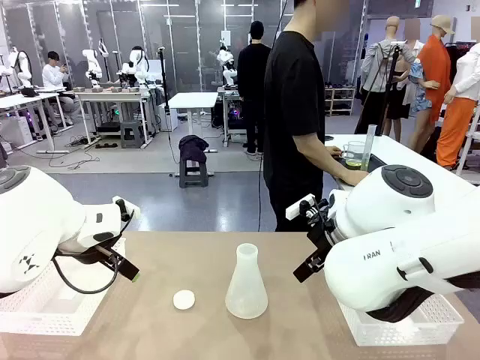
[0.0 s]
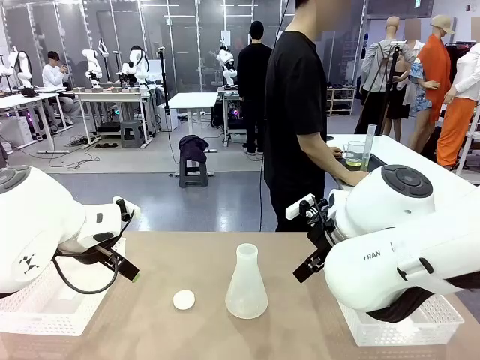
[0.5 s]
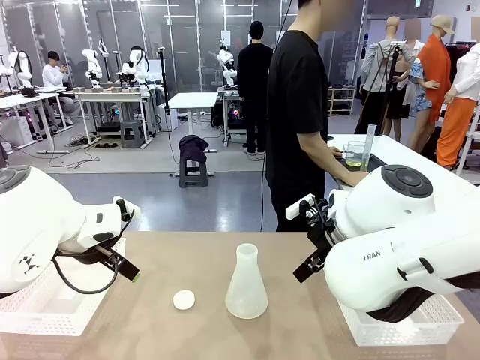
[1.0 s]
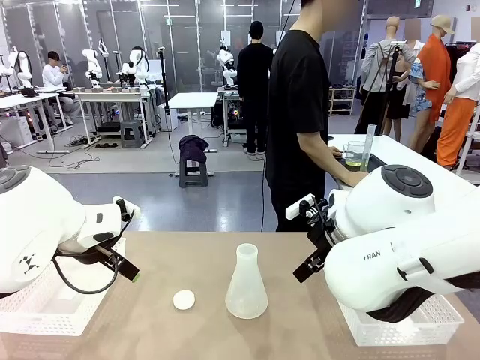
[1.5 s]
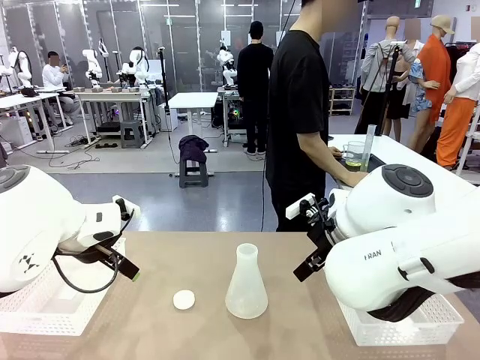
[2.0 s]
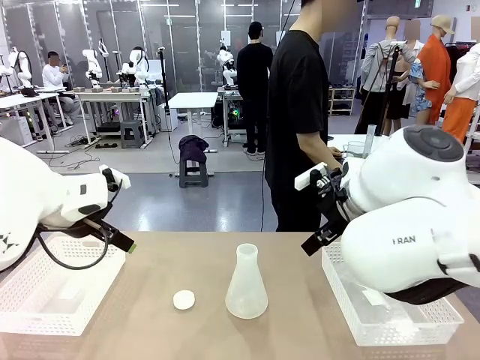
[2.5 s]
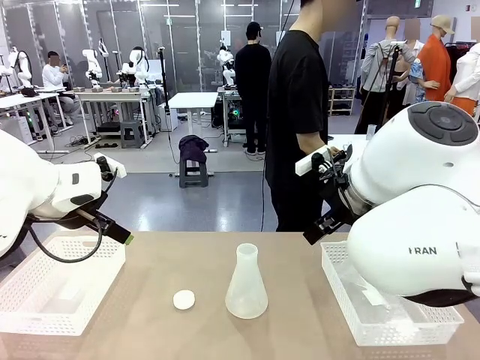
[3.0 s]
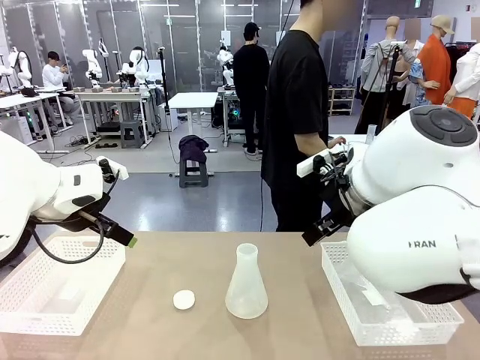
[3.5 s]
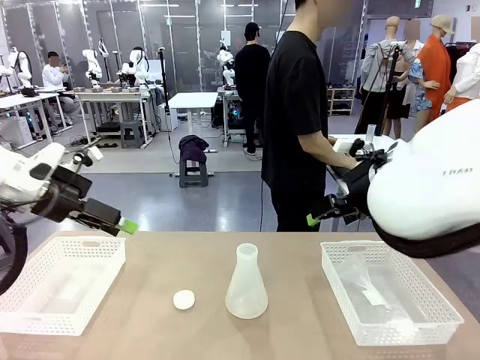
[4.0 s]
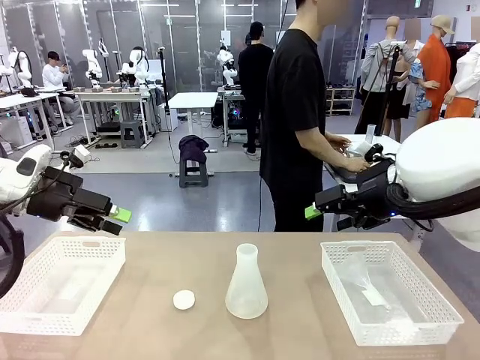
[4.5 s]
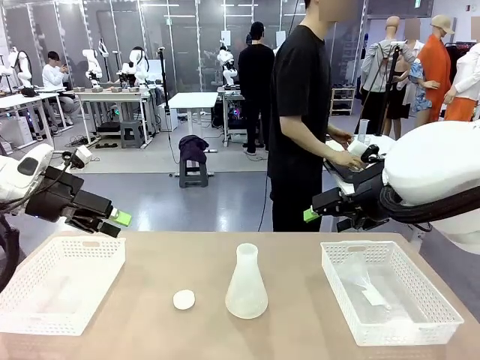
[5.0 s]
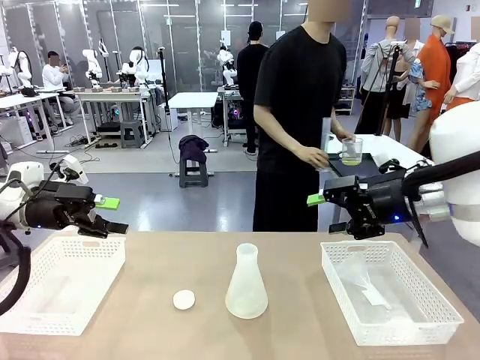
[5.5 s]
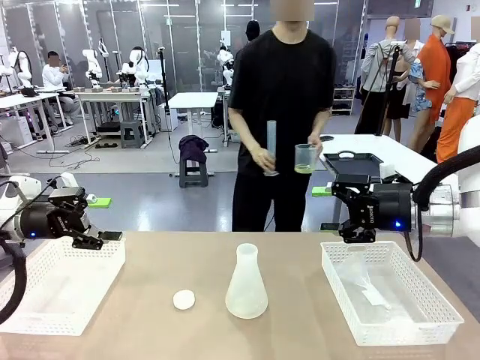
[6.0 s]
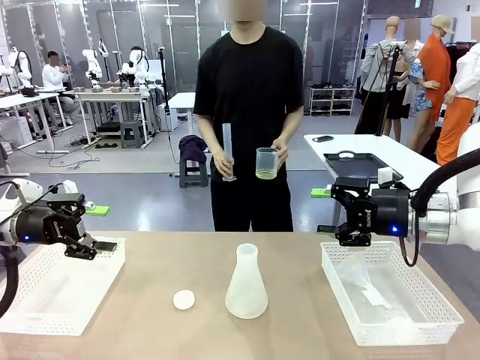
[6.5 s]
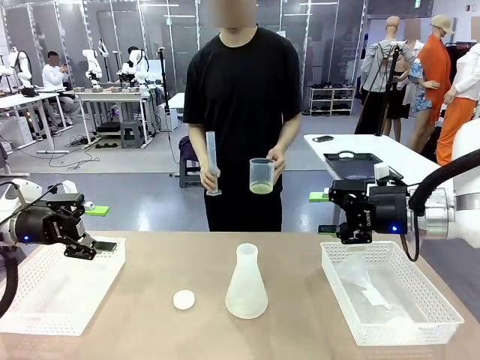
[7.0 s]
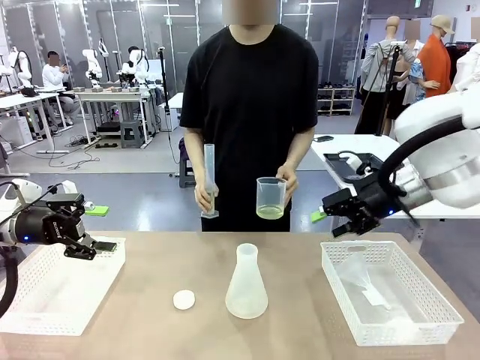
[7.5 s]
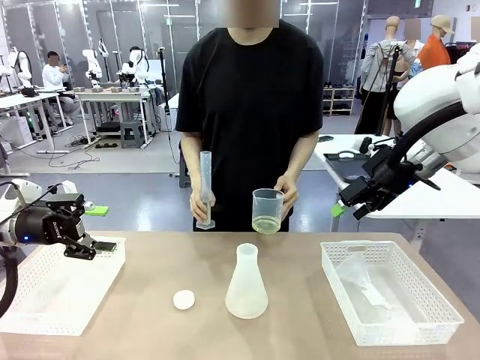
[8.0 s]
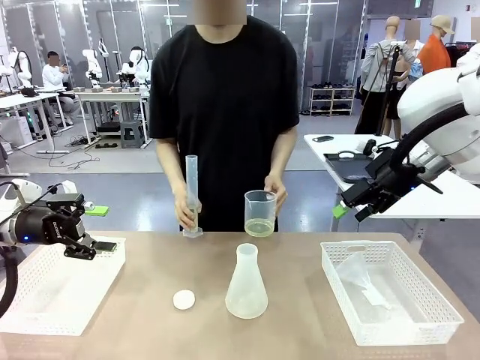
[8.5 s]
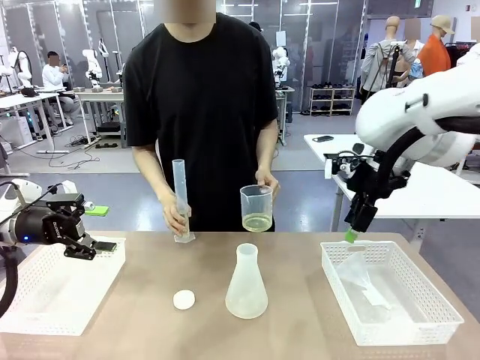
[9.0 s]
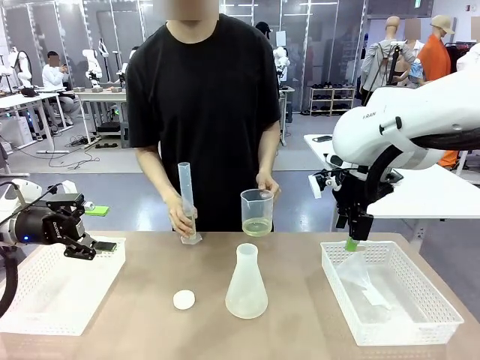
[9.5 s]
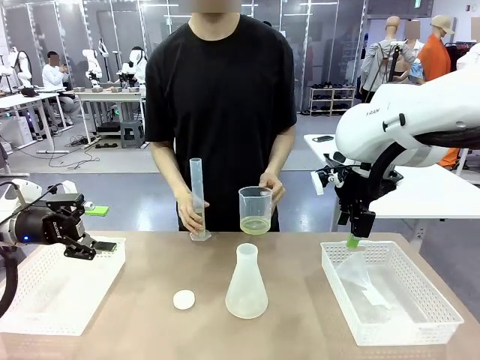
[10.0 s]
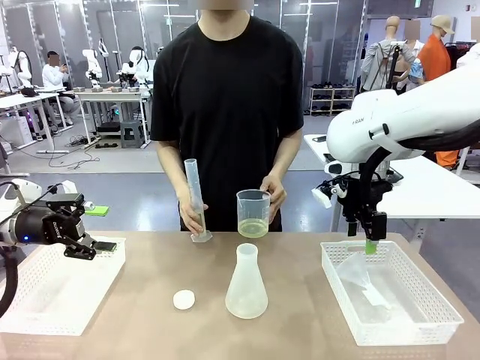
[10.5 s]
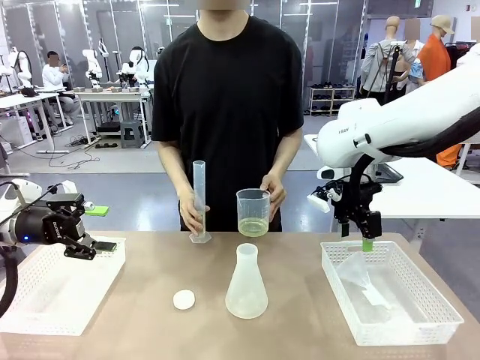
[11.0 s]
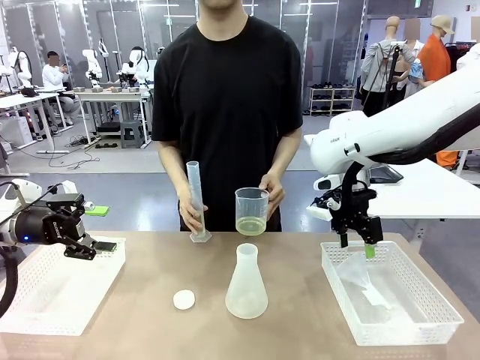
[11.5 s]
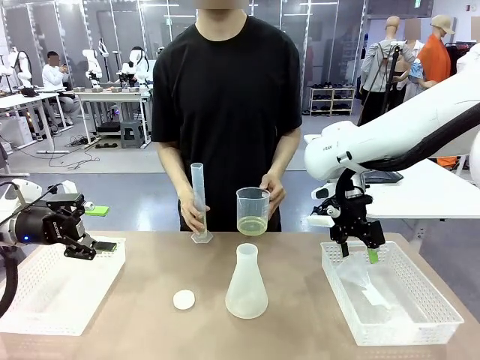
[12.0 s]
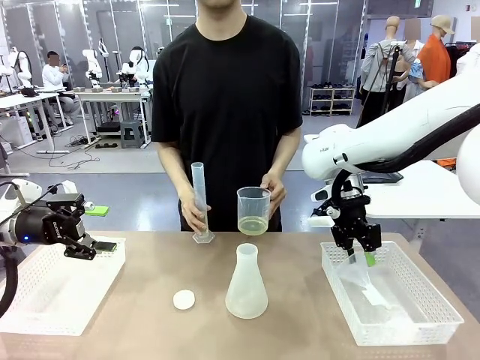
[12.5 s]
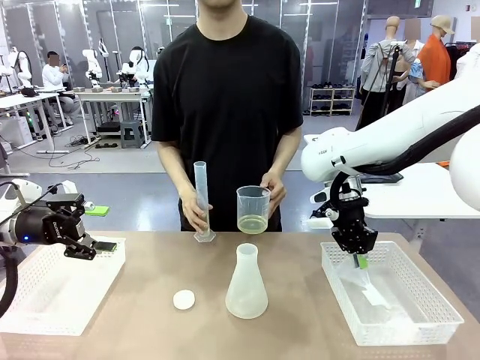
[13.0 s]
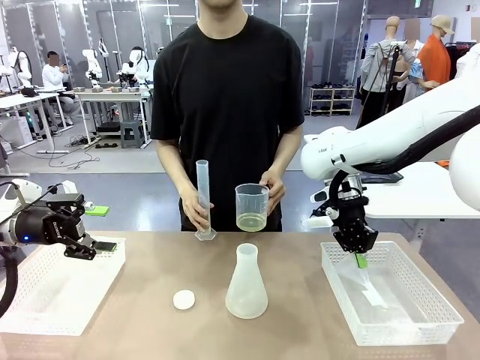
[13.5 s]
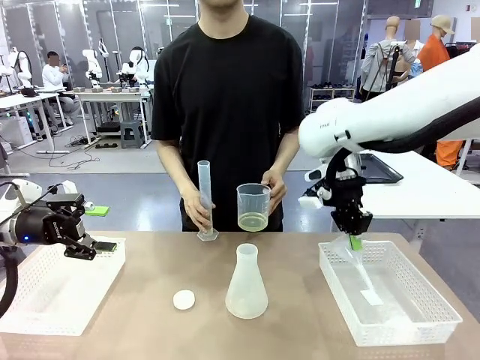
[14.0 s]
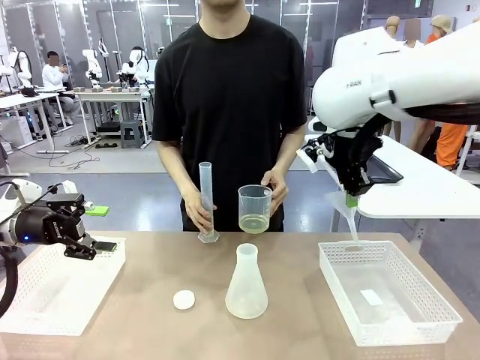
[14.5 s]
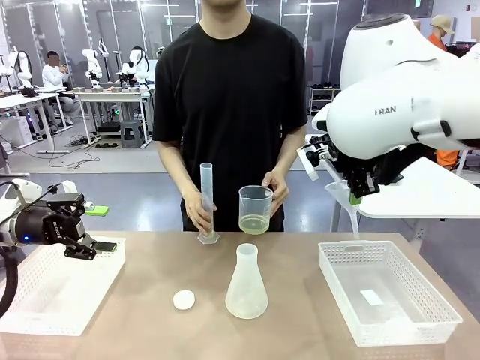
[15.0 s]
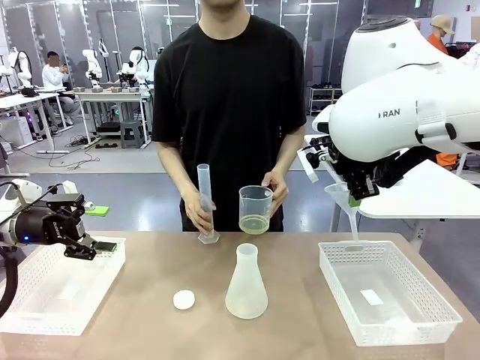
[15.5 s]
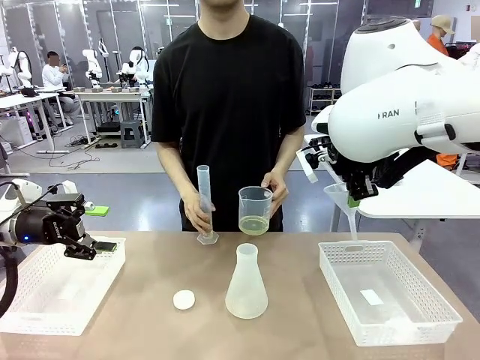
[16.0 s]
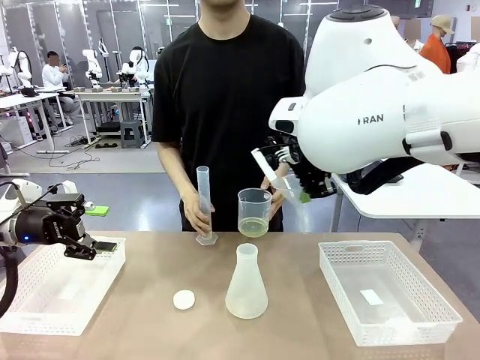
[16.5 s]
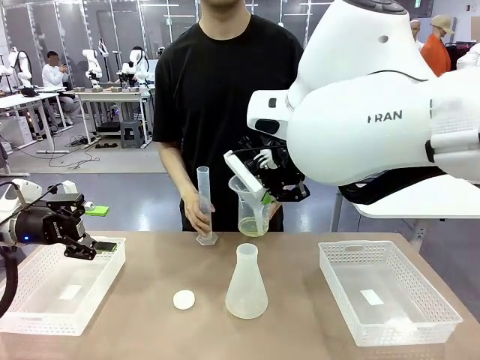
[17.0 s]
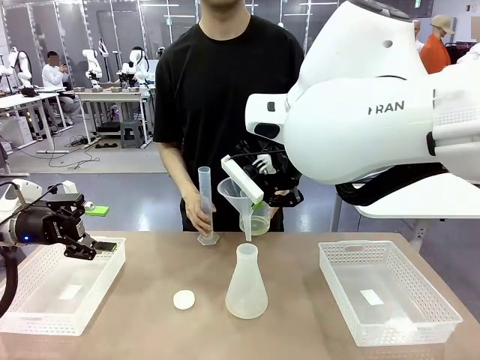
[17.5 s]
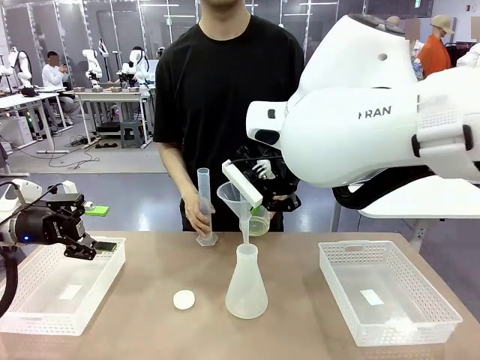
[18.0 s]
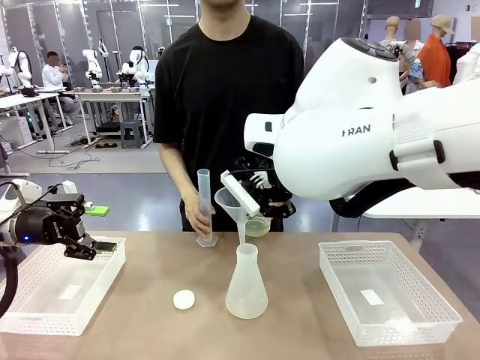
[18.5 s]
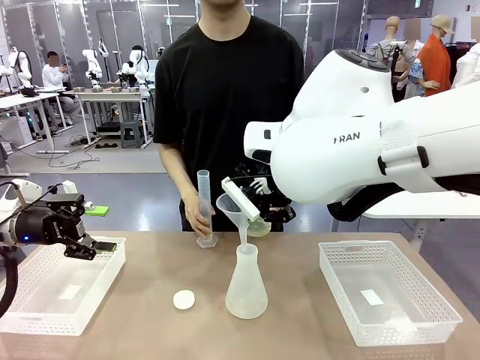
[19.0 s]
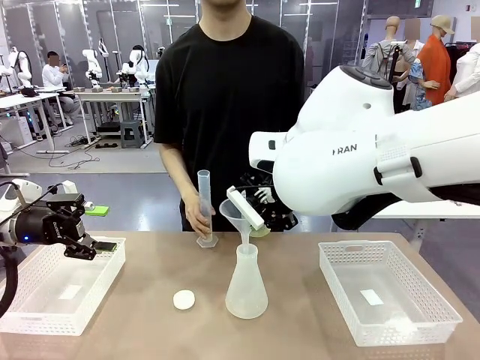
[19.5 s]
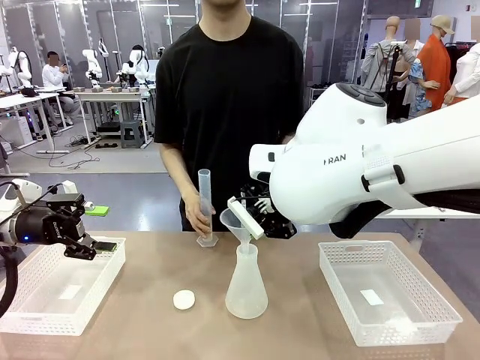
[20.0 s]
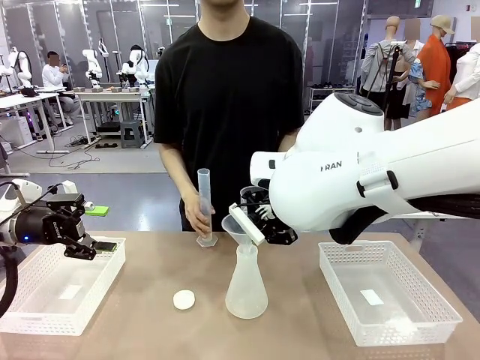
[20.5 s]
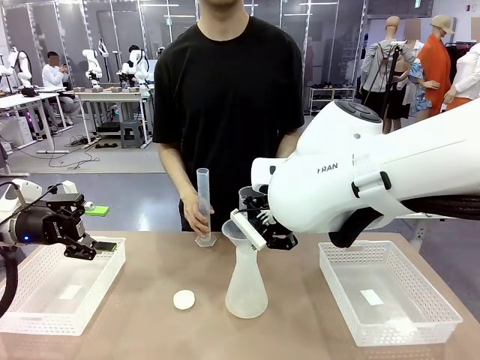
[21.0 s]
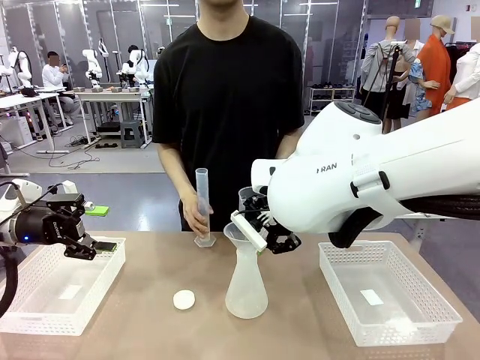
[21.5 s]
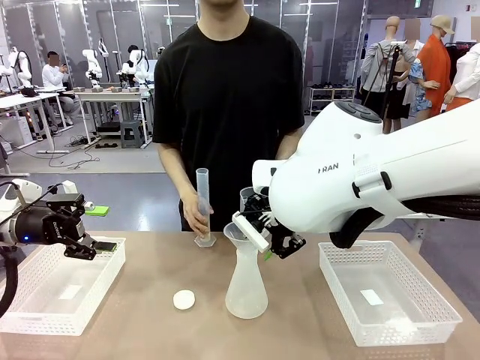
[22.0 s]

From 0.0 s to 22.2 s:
Task: Prepare the solutions needed for the experiment.
Robot: Pick up the Plastic Funnel and insert it into the Big flask.
Person: Pick up the beaker and the cylinder and move to the middle of the robot table. Pour the solution from the beaker and the cylinder into the flask.
